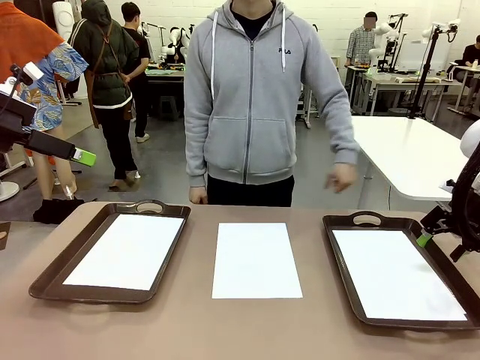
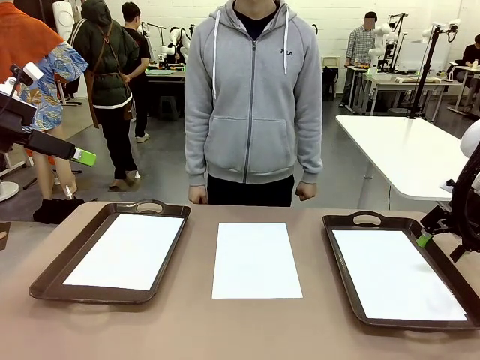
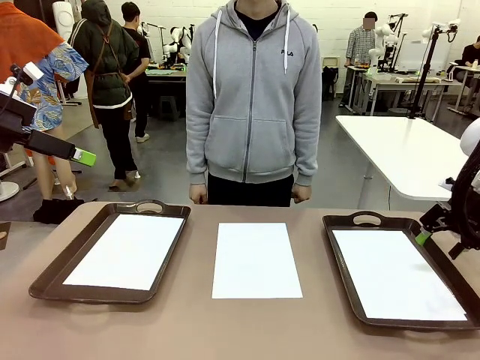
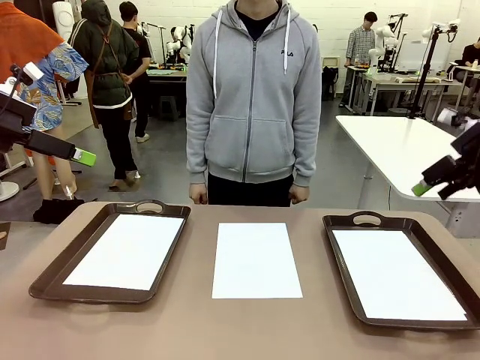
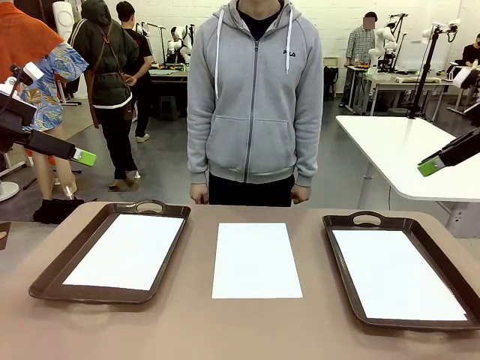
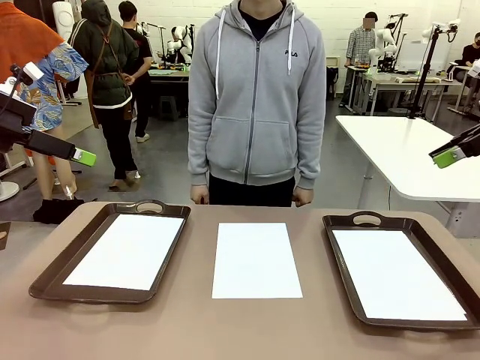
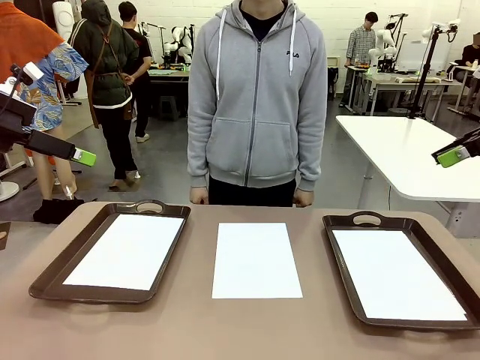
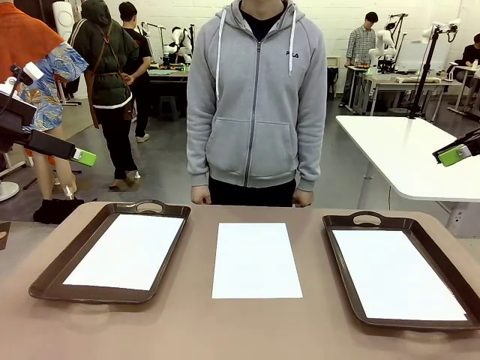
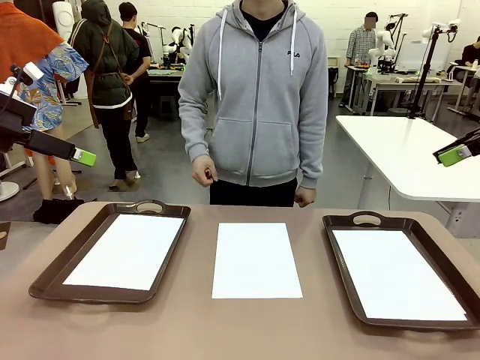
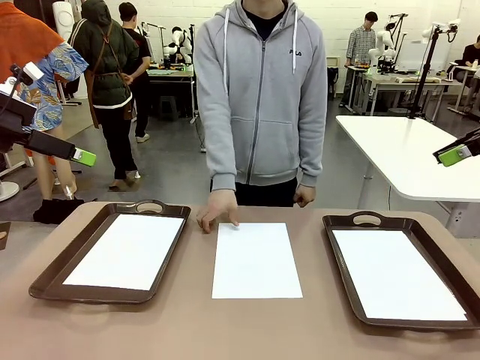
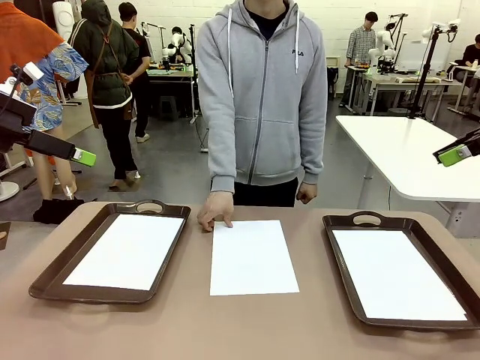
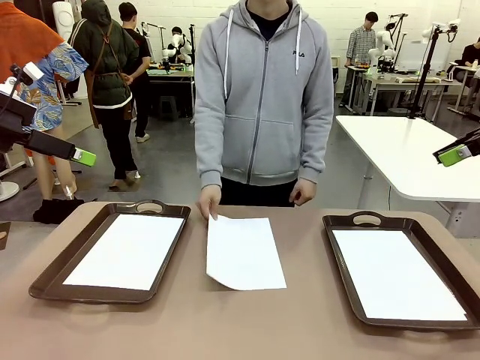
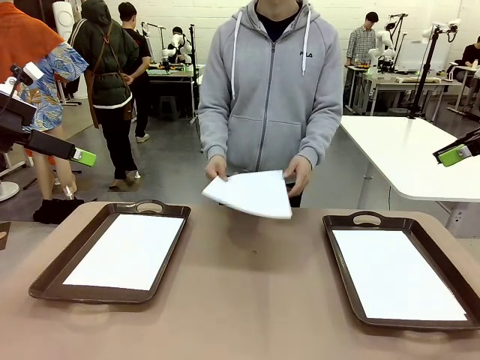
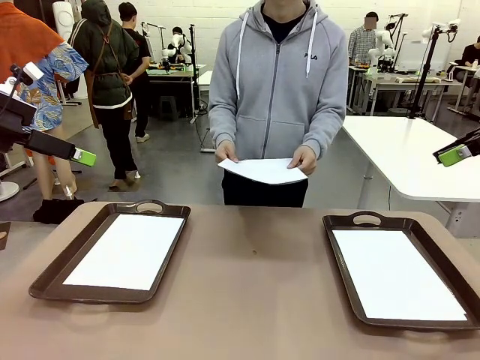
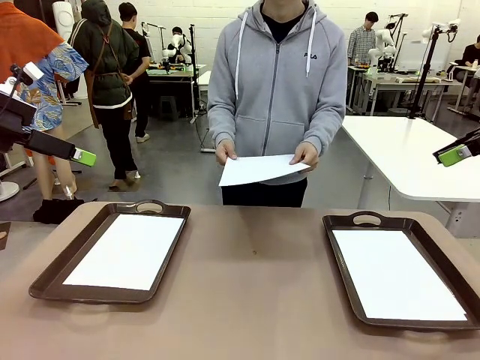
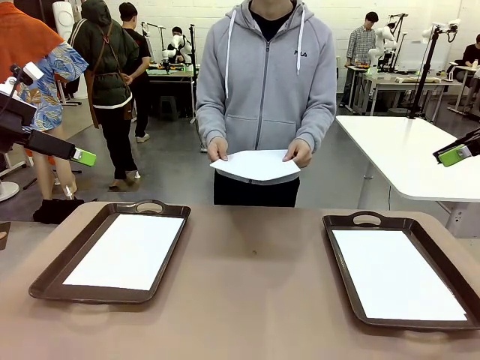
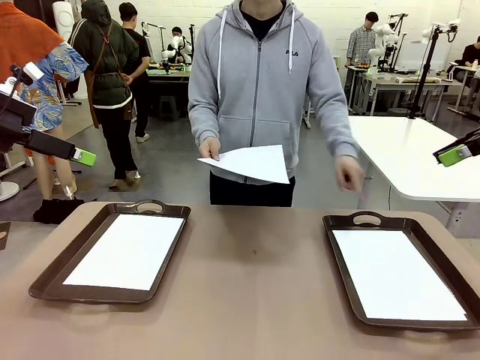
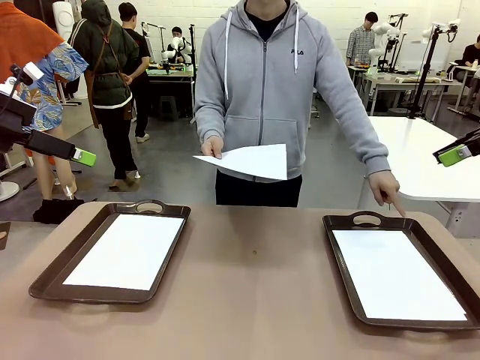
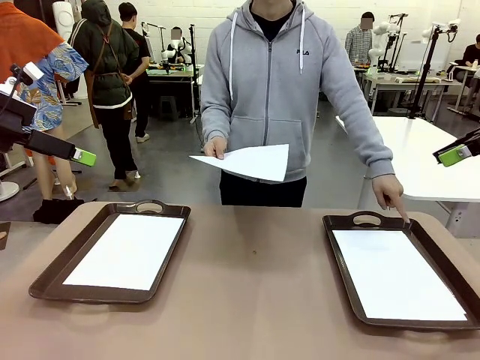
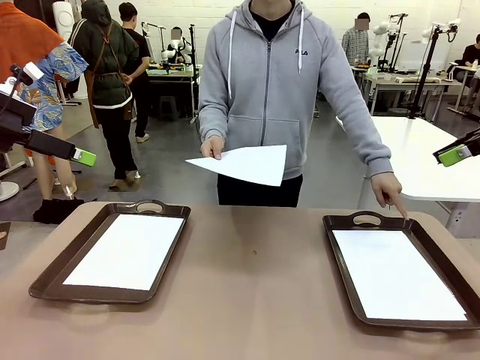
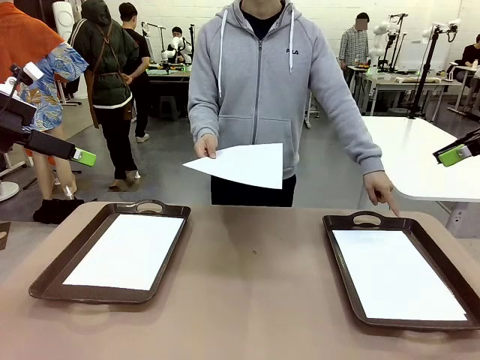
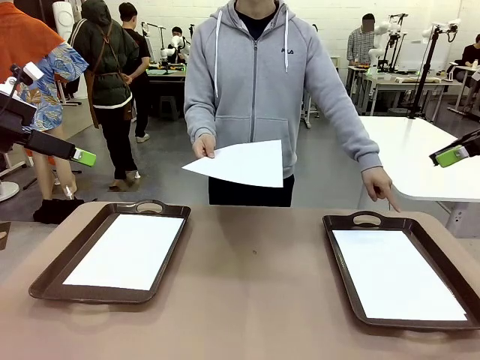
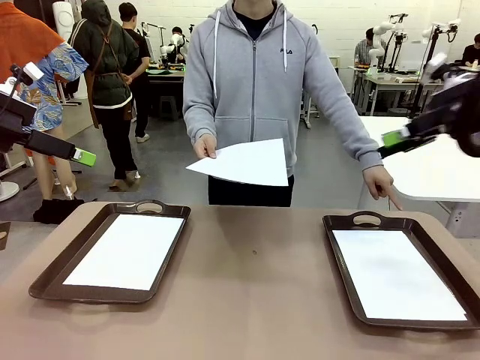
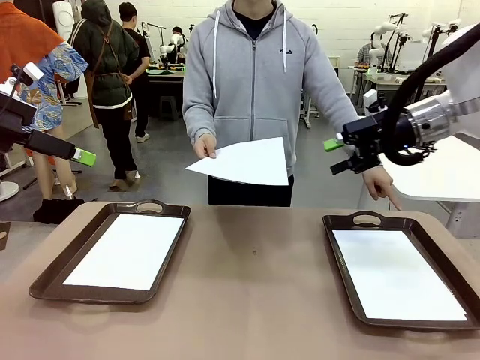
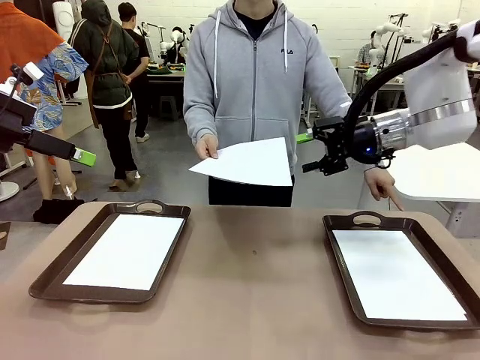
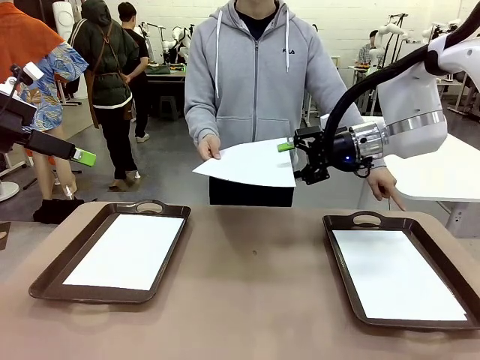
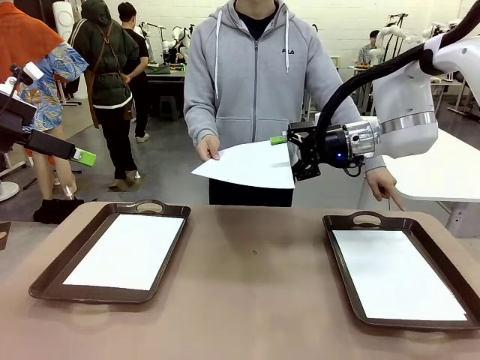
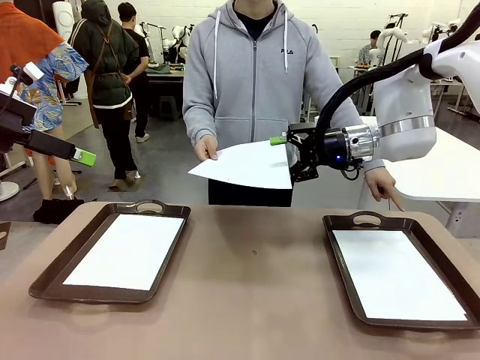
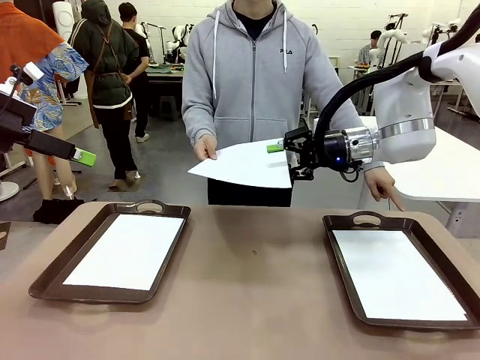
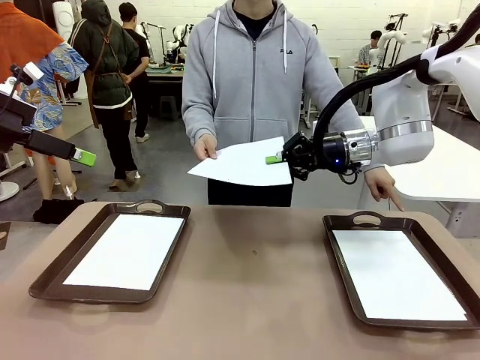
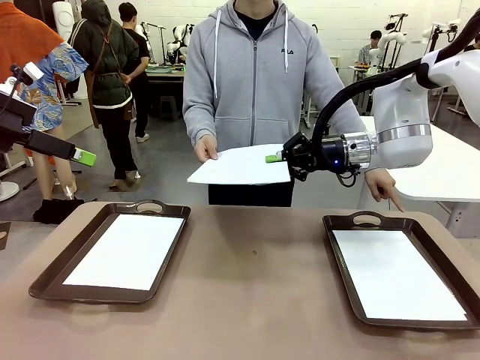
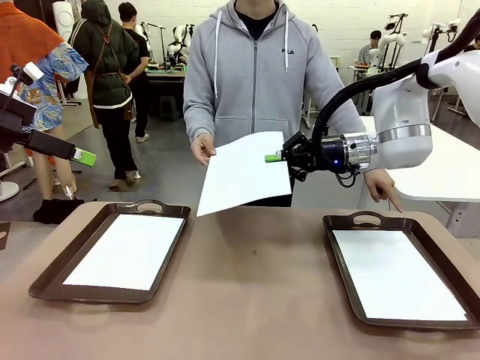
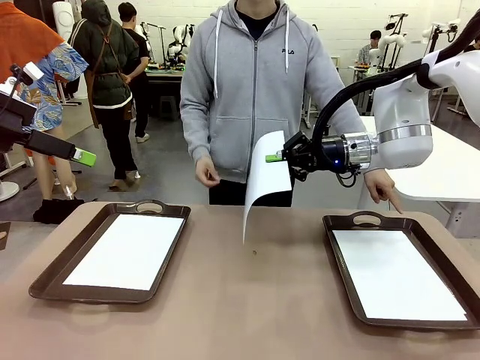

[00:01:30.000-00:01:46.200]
Task: Sort the A4 documents.
Robot: Receive the A4 Paper.

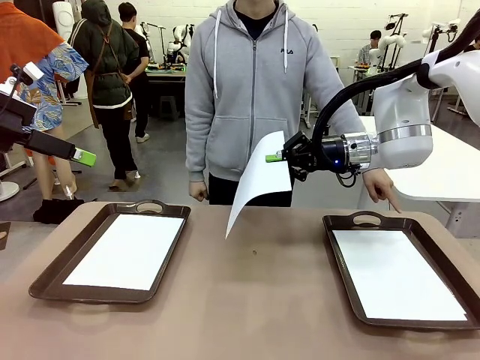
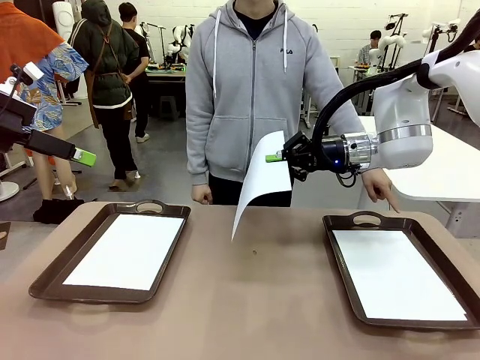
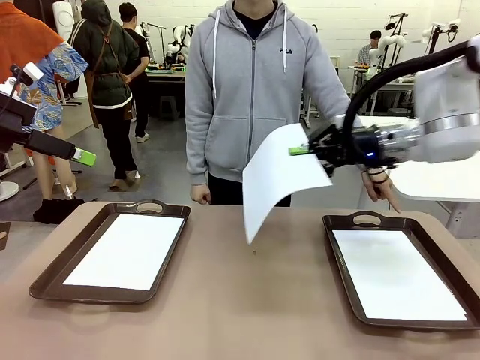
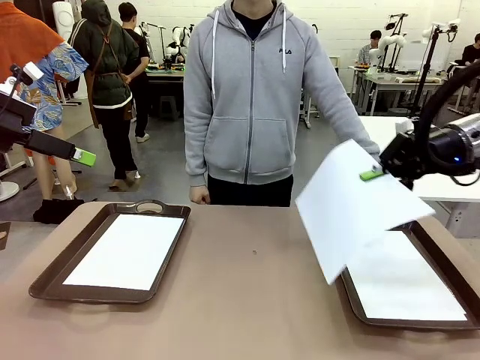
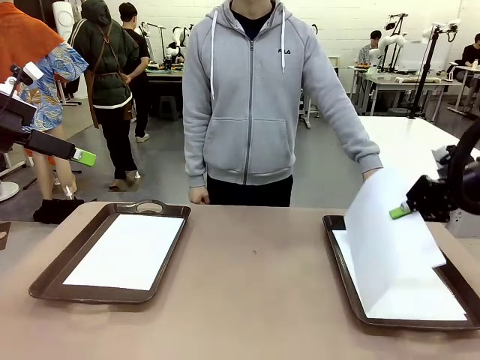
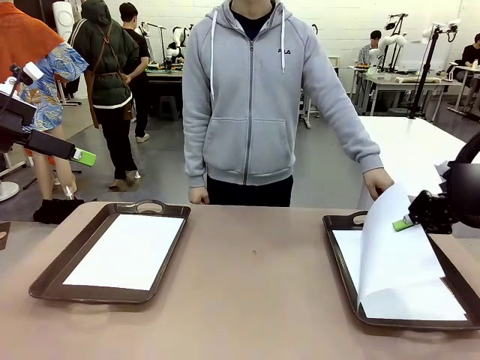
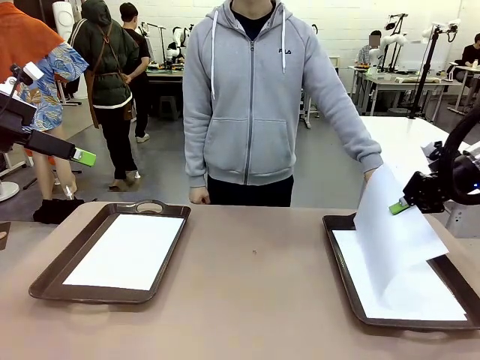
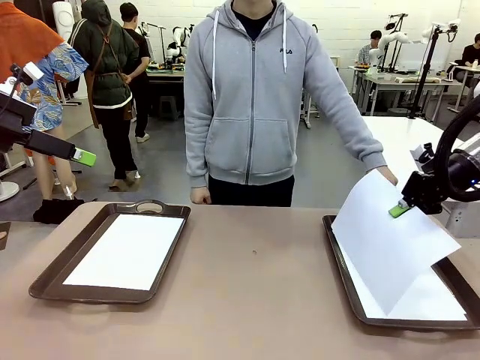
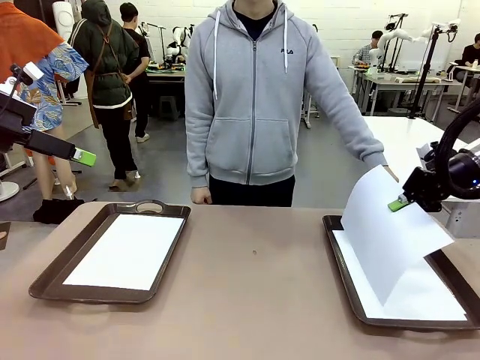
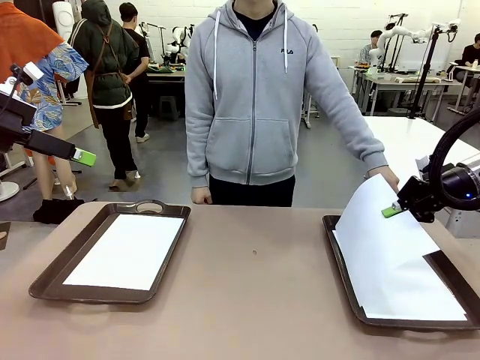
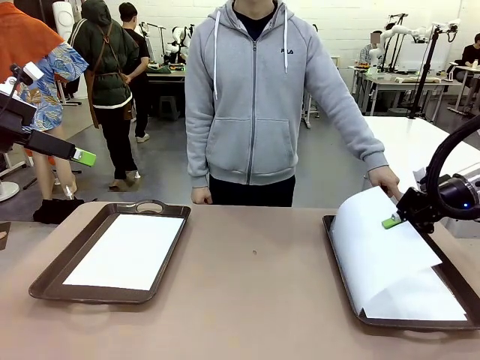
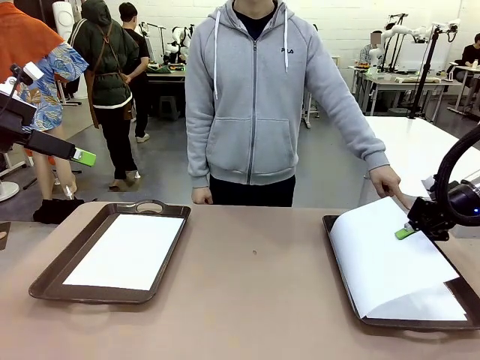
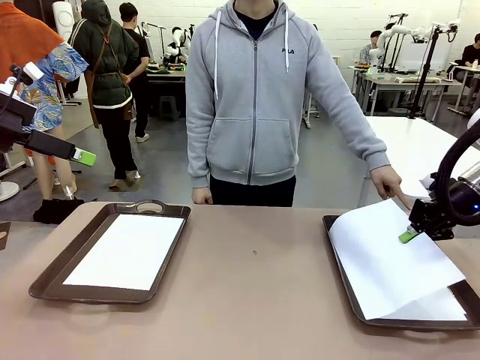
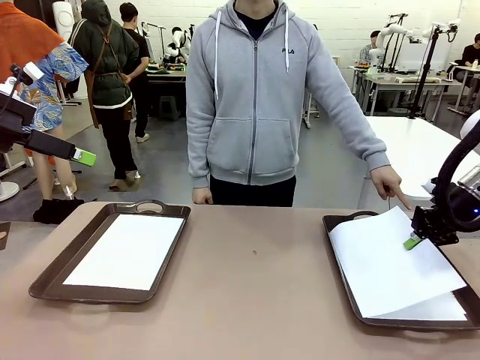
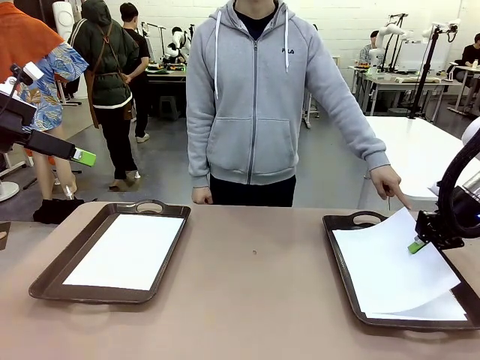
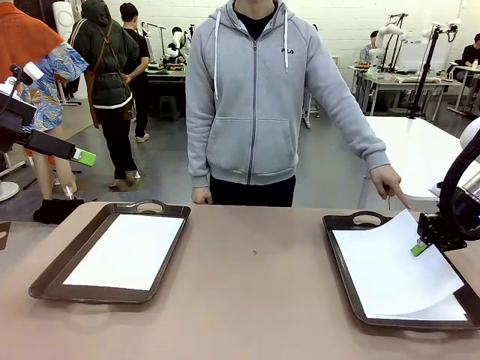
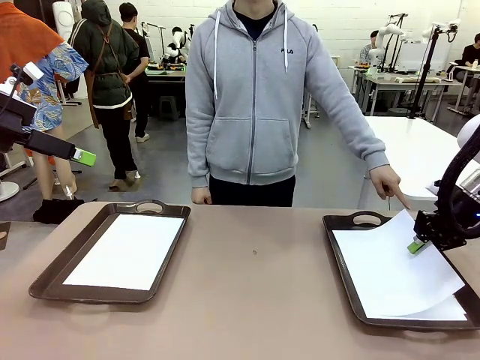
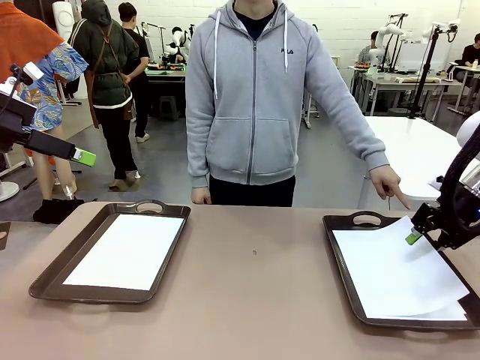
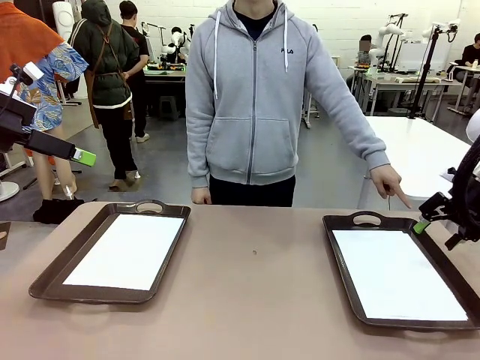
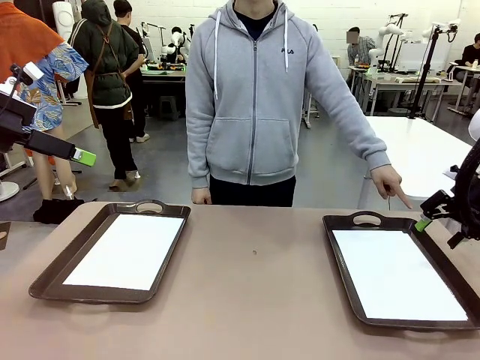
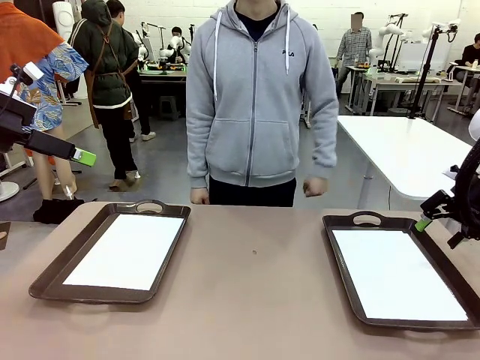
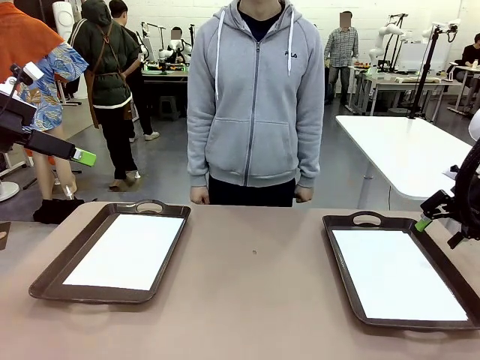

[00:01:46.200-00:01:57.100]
Robot: Place the A4 Paper in the designated Handle tray.
Person: Point the randomly selected tray with the other hand.
